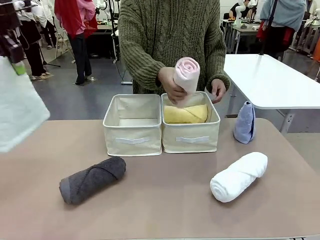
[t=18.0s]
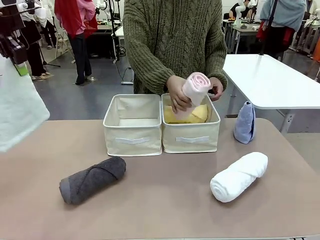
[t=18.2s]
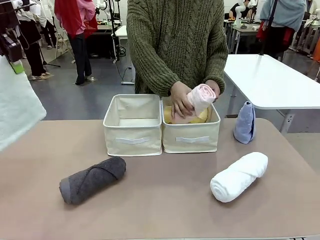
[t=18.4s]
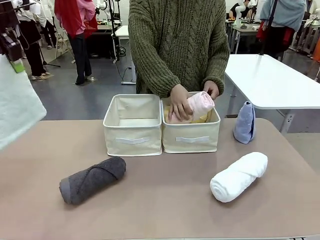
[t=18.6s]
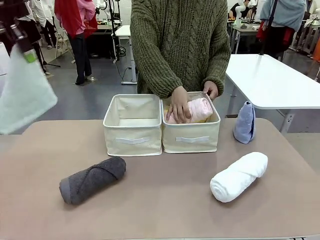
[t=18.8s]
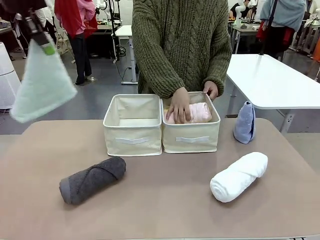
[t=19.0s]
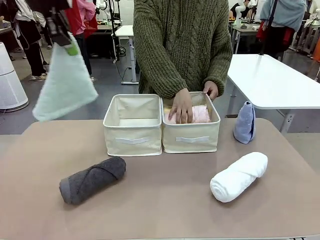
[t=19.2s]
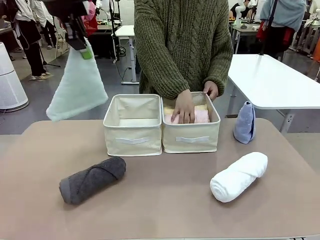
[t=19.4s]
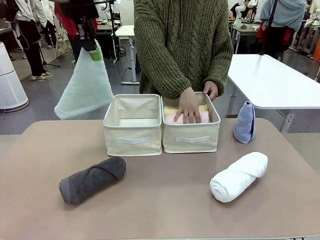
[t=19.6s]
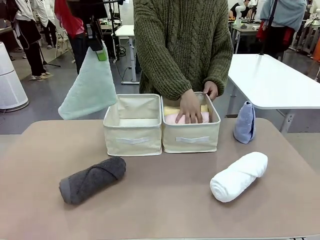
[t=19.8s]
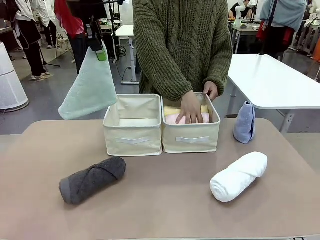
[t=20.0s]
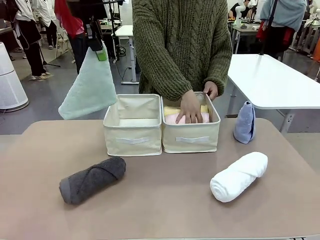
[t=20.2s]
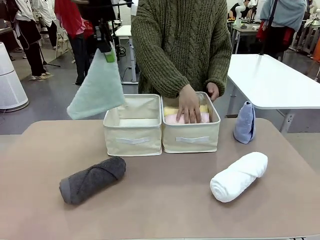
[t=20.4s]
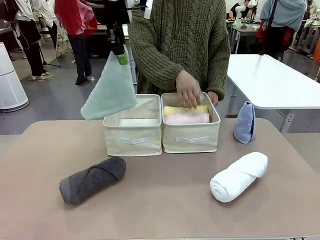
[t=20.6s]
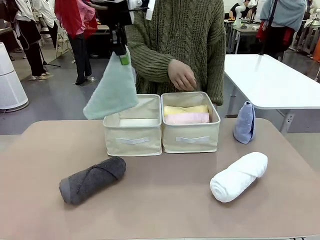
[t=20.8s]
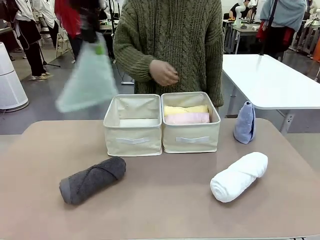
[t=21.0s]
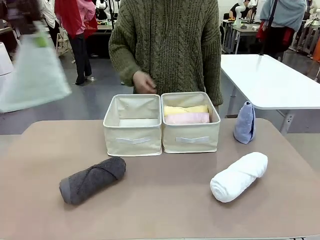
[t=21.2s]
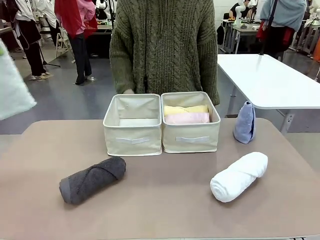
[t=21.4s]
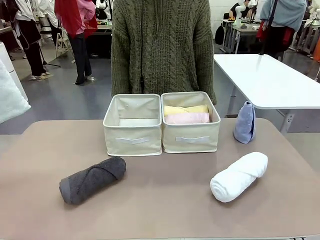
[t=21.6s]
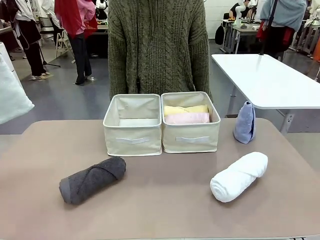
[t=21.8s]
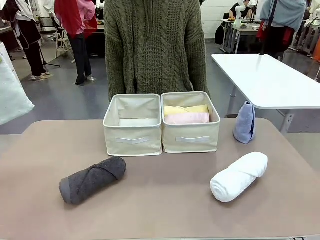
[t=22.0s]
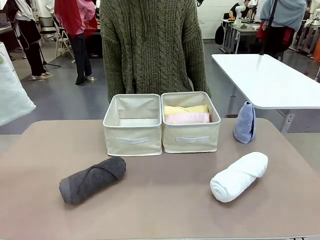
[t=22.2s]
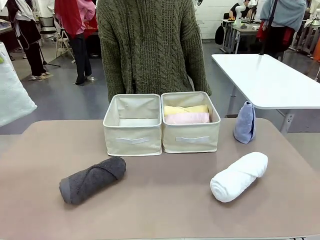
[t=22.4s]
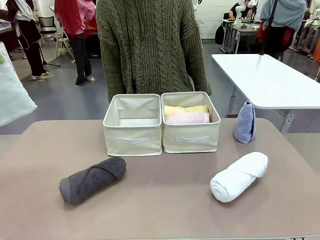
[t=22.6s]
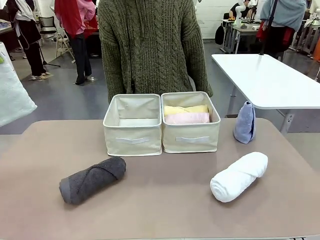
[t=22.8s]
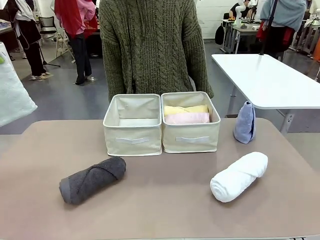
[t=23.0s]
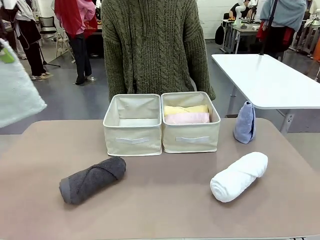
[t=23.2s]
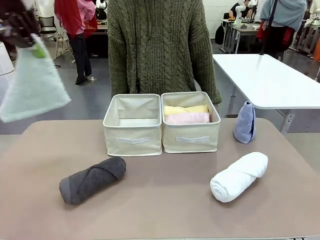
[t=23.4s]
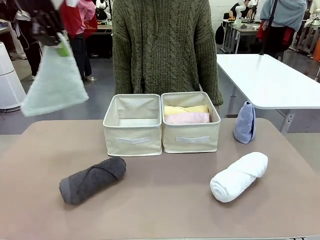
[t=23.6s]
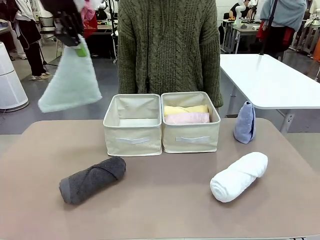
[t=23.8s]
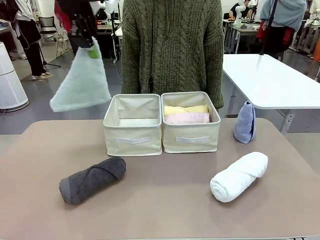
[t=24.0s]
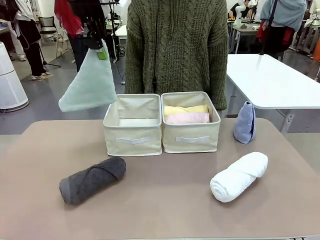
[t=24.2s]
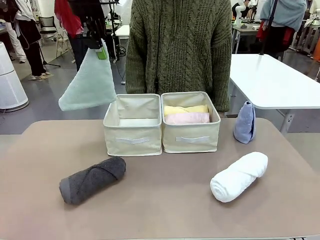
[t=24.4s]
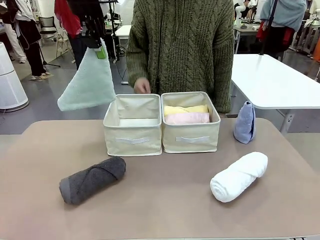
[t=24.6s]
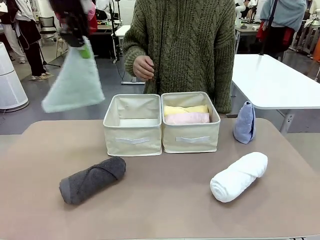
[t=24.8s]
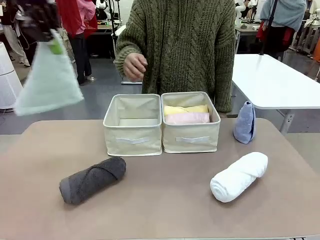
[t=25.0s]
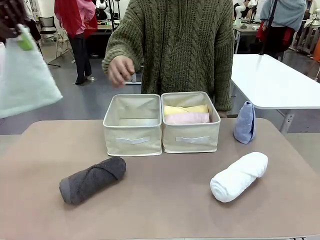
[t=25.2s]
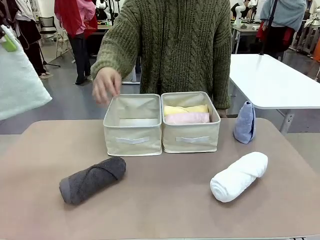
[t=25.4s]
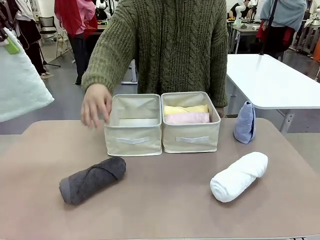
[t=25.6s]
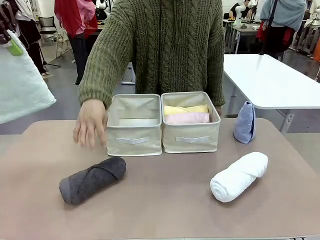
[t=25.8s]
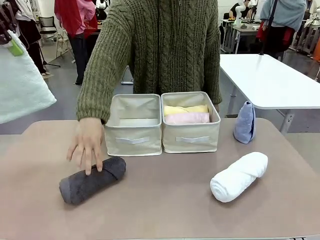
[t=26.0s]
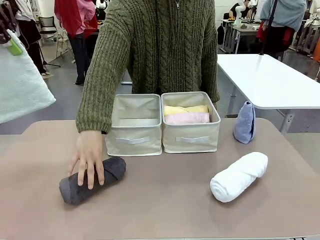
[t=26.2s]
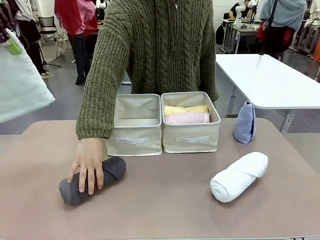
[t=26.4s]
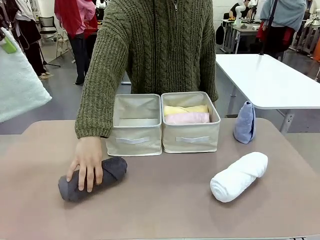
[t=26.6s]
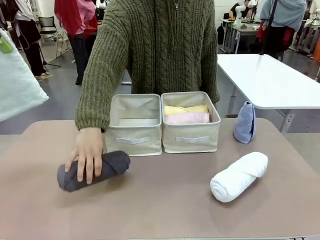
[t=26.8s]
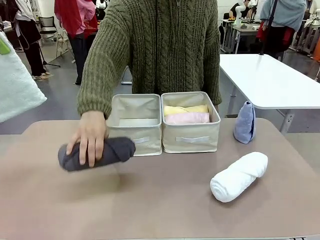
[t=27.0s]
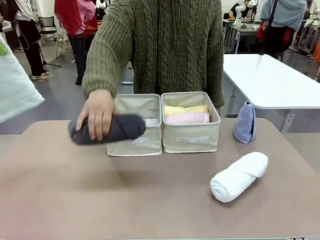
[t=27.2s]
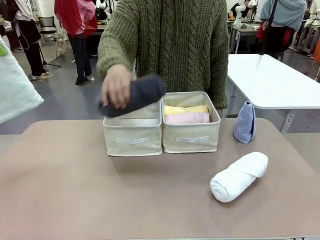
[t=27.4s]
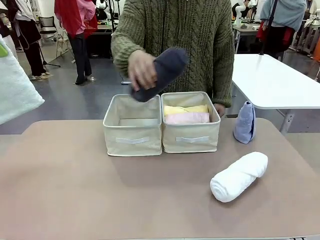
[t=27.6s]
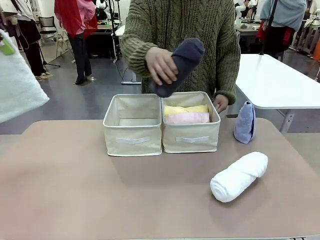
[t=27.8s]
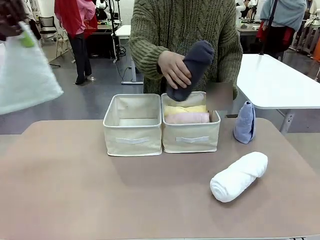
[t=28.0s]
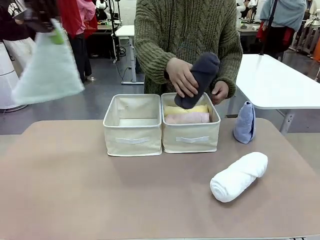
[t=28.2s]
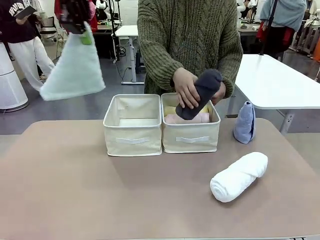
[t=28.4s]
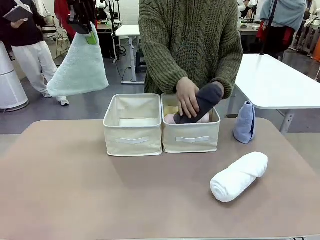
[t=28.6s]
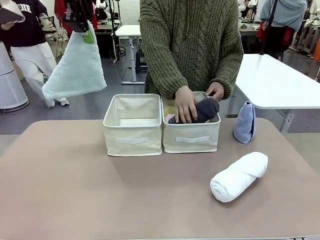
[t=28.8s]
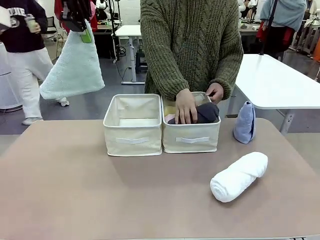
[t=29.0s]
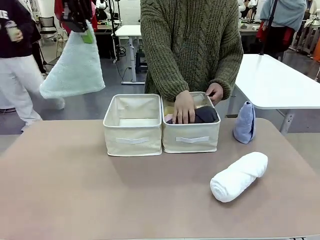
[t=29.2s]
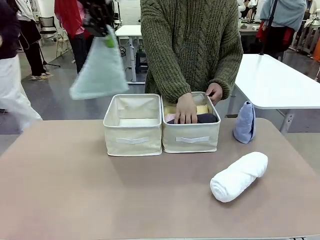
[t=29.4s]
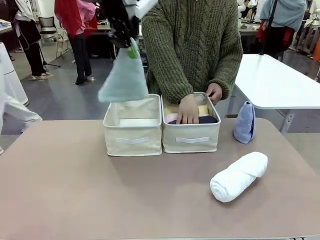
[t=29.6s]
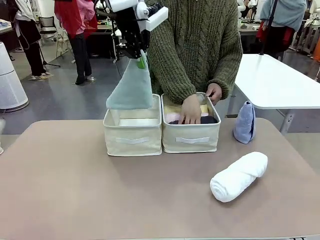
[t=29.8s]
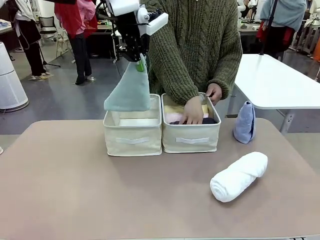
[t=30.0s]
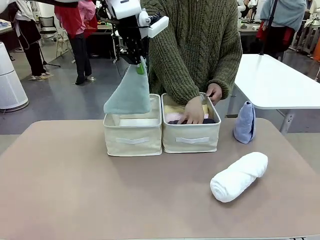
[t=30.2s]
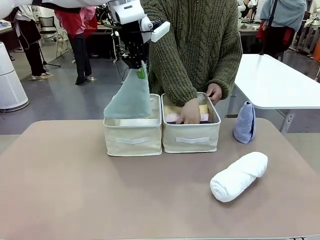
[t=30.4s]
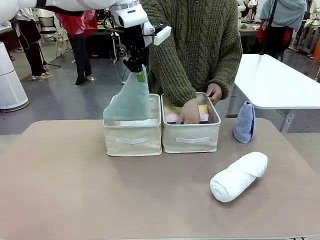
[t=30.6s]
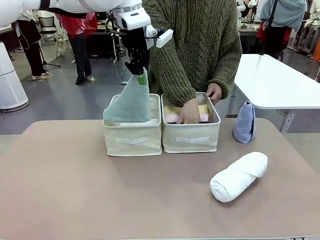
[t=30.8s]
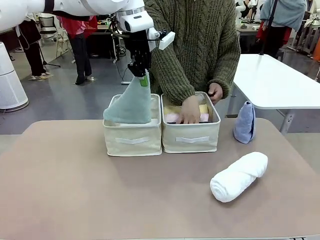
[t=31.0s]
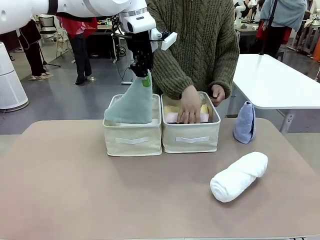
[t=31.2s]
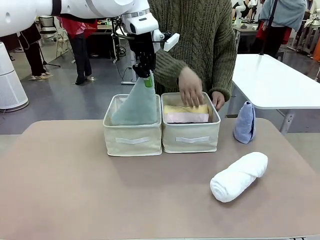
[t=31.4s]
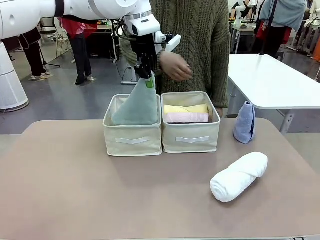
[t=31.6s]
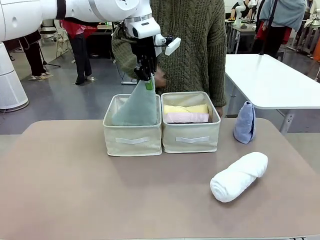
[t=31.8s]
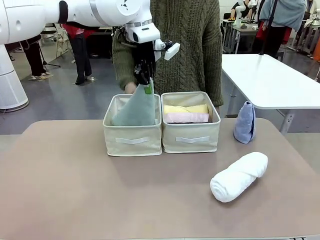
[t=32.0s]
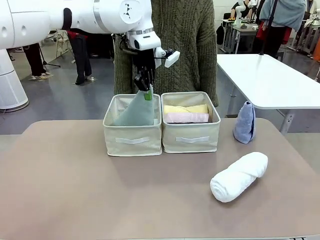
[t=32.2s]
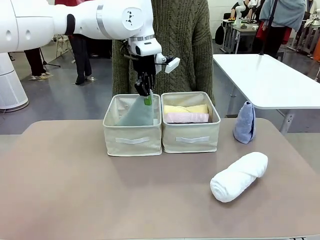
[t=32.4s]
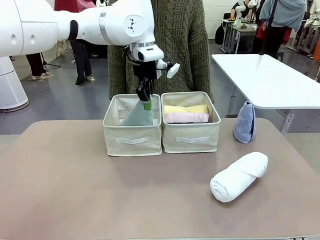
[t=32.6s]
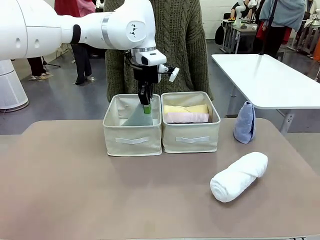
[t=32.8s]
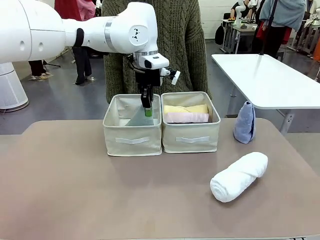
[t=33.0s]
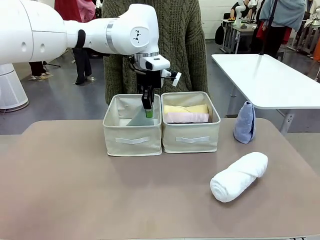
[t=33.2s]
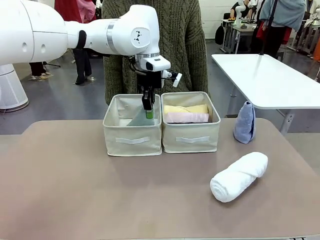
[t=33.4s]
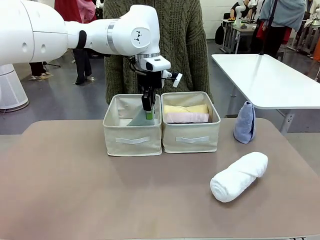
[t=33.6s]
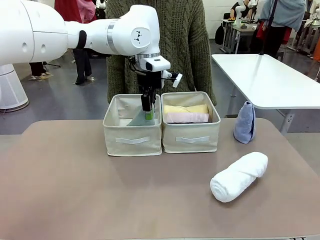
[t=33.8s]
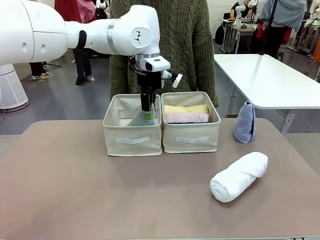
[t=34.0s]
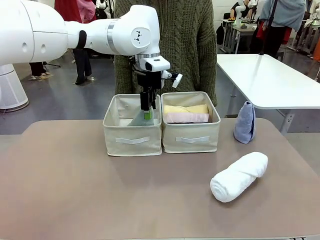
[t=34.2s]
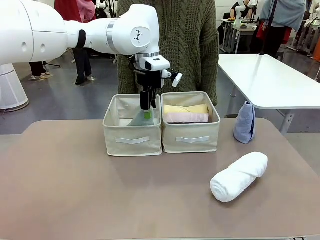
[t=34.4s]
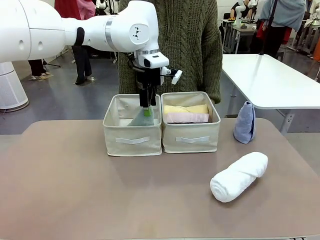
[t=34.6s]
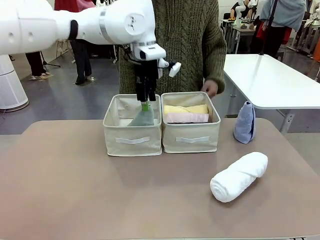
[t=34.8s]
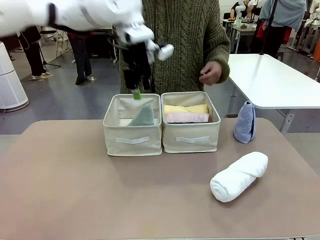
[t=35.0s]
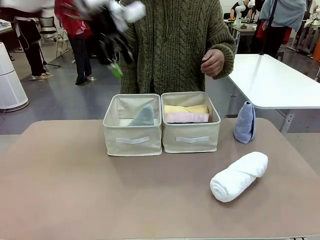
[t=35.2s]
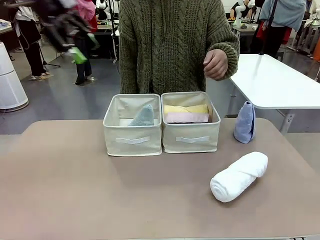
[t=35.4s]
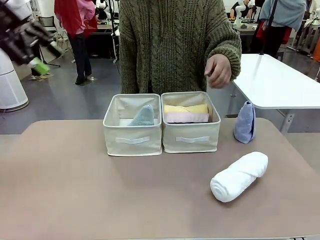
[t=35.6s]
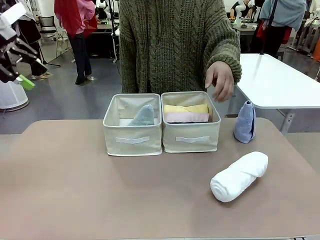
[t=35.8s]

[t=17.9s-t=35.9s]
Task: Sort the towels based on their folding style.
Robot: Pick up one triangle-folded towel and place it in the left Fabric basket.
